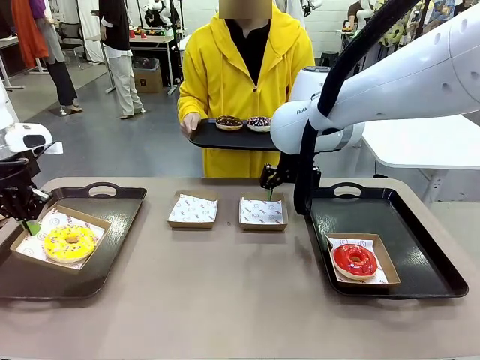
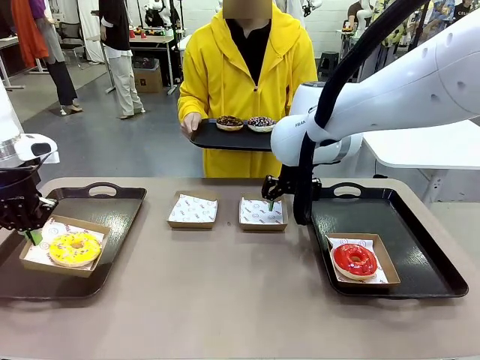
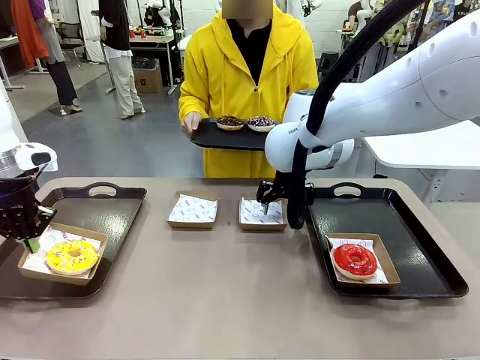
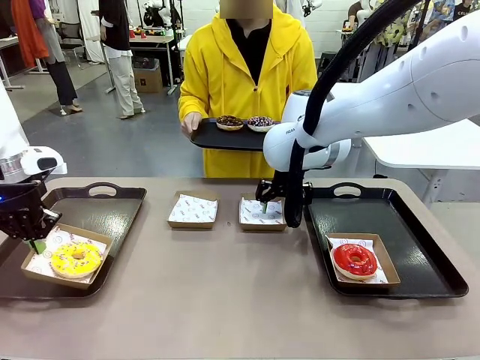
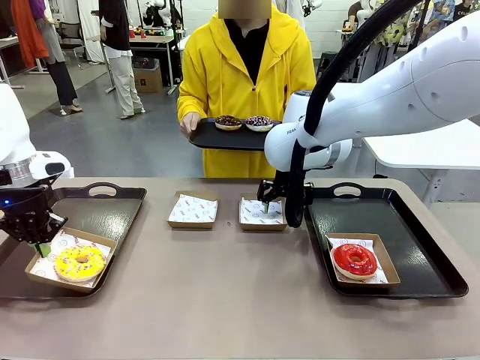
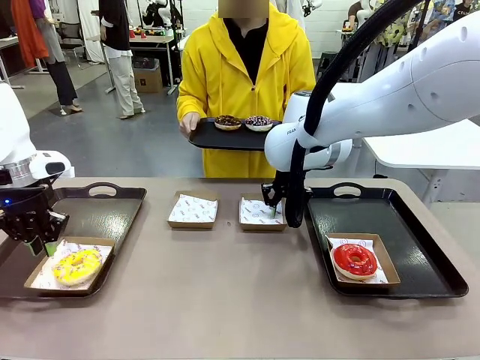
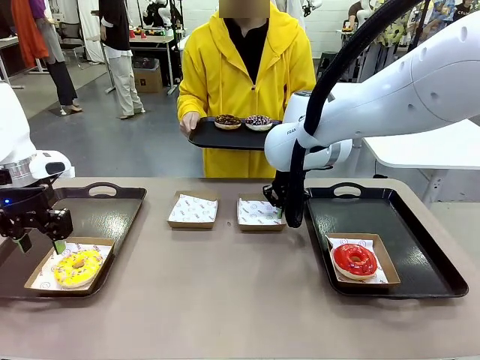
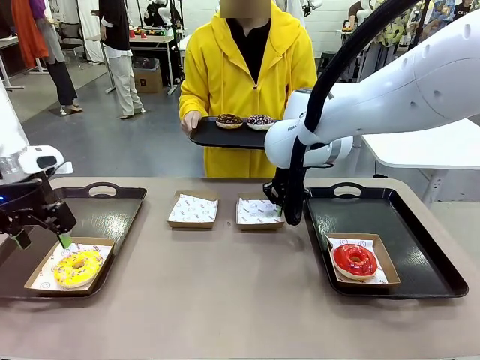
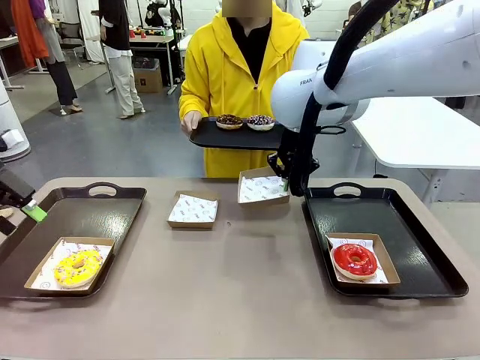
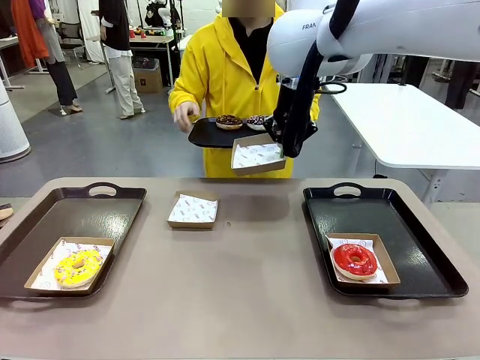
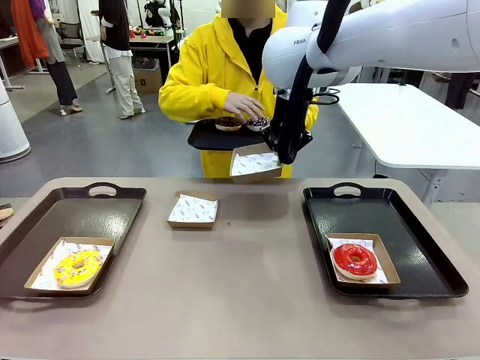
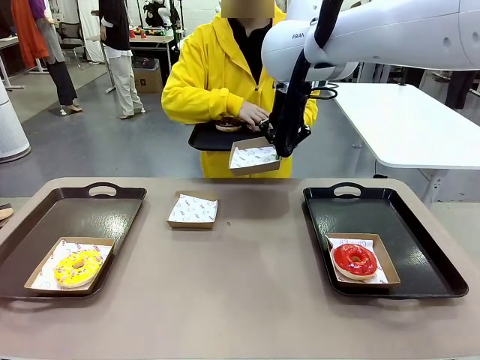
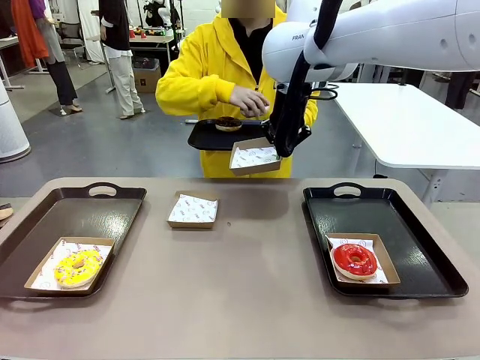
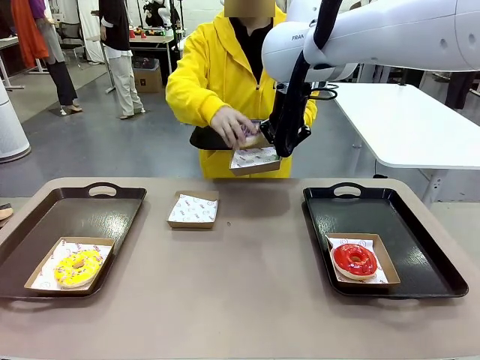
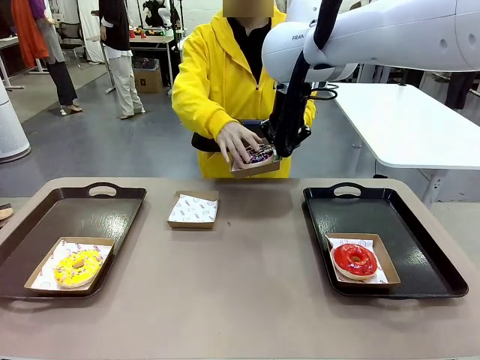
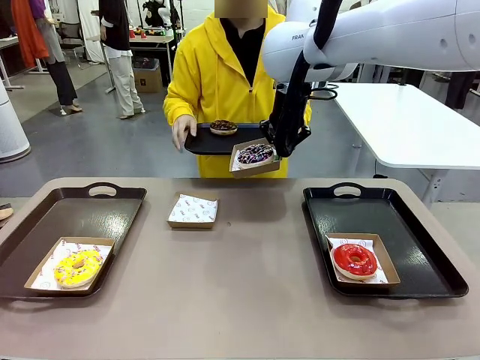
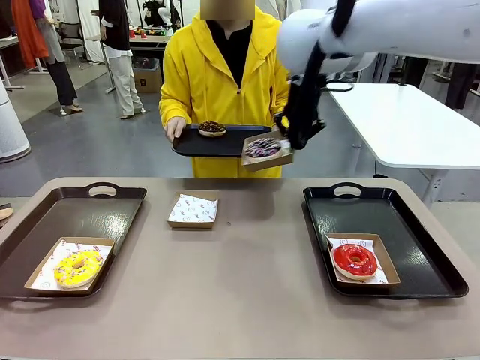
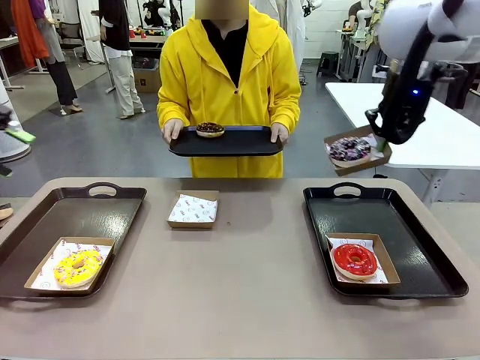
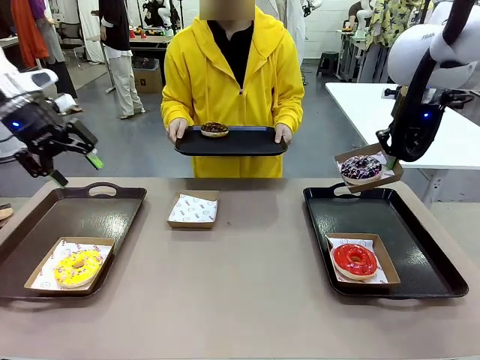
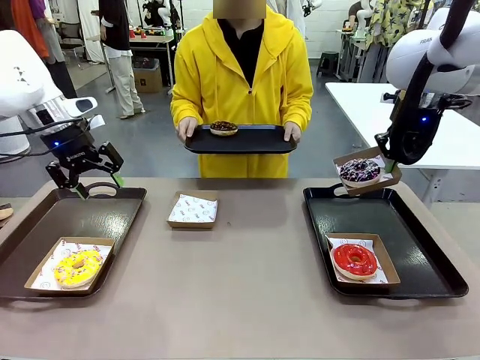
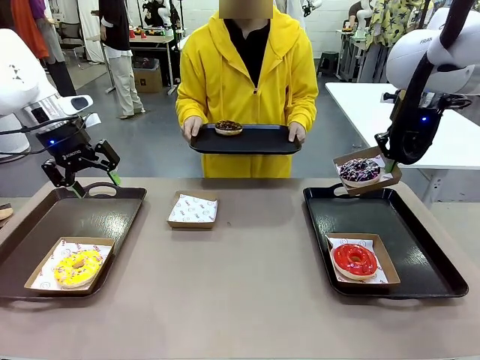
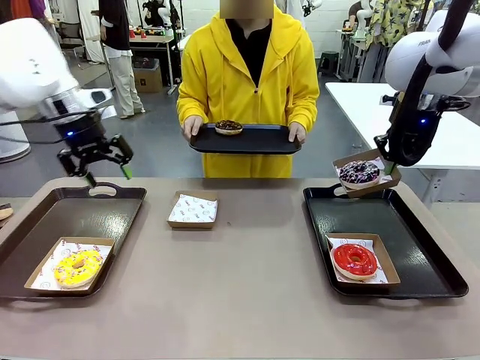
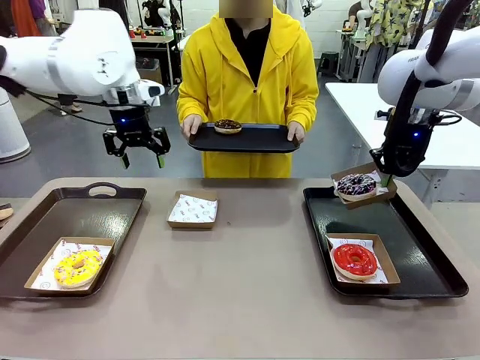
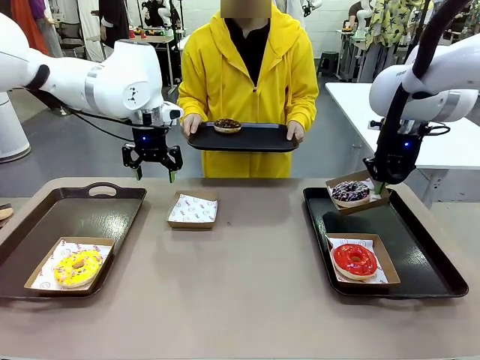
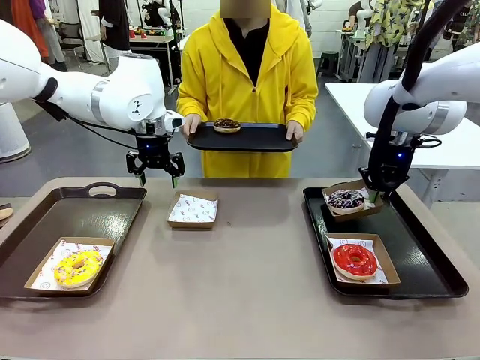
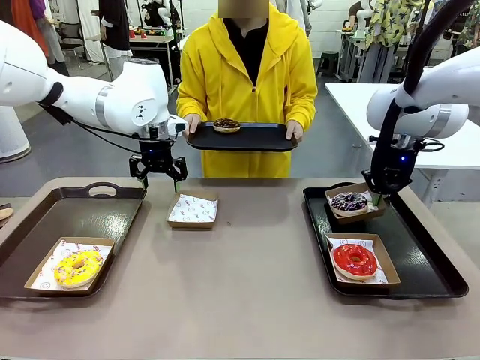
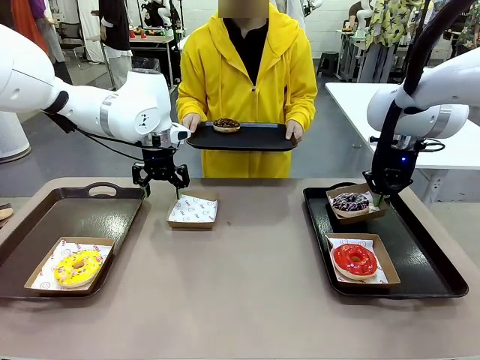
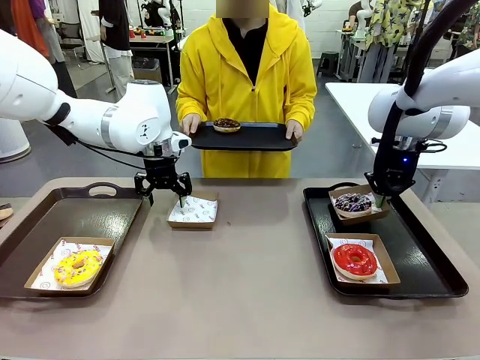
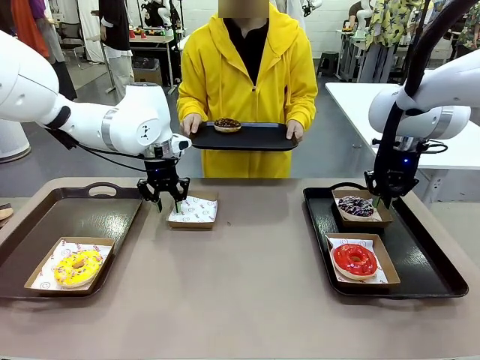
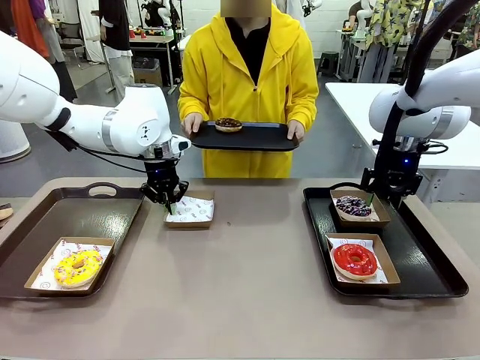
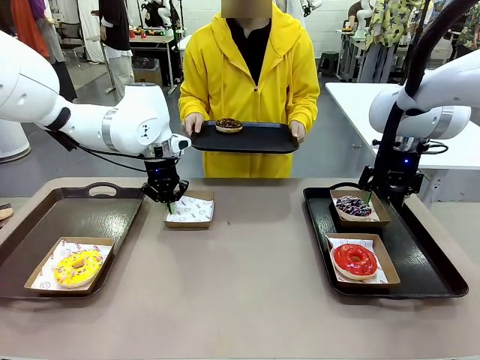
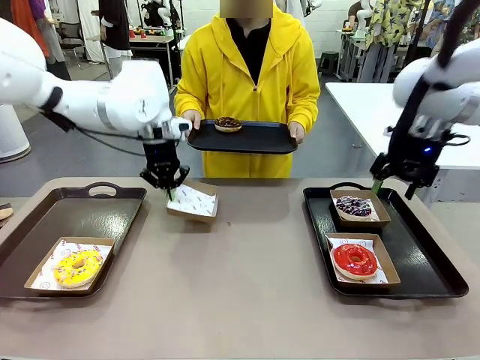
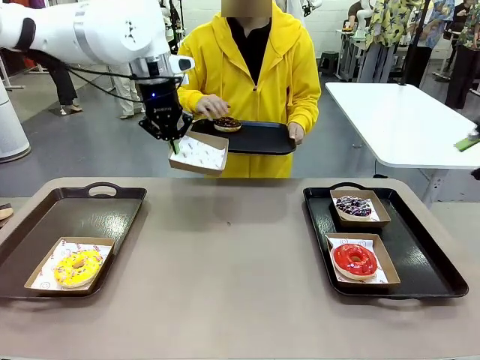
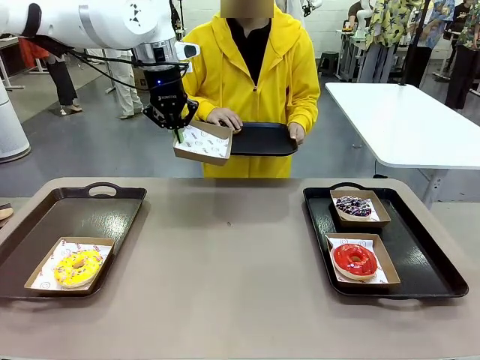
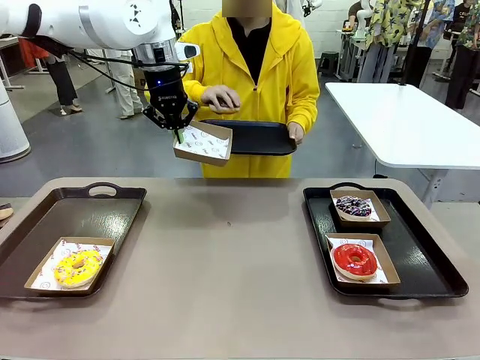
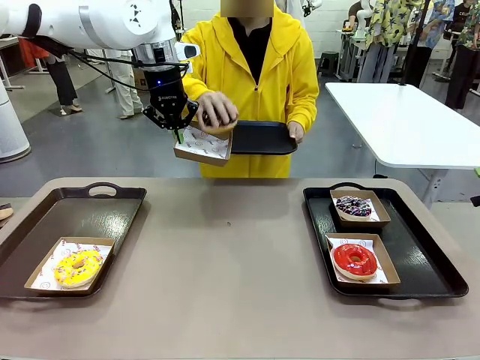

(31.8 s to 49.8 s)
Task: Individually package the donuts and arrange them on the tray.
Robot: Place the picked Paper togo box on the Handle tray while simultaneously picking up another Paper togo box from the table with the other hand.

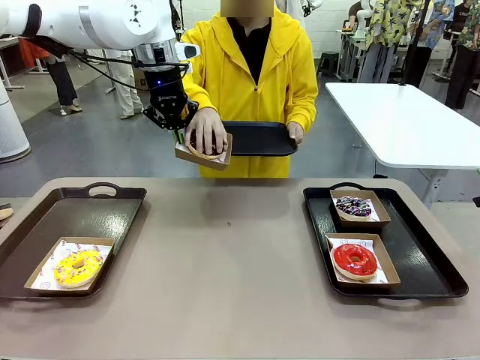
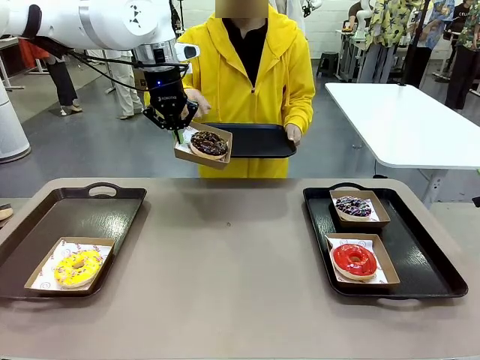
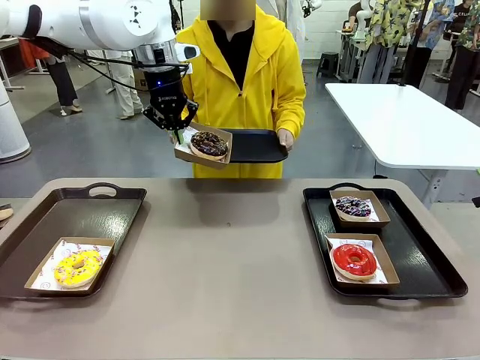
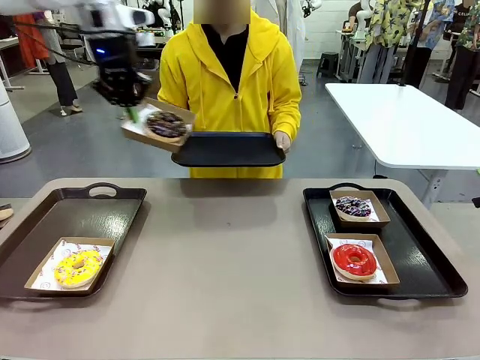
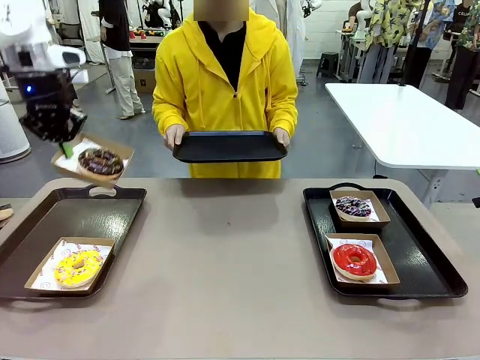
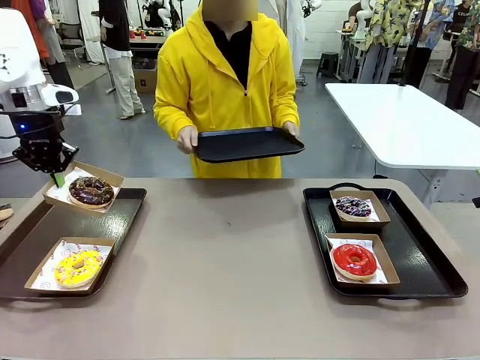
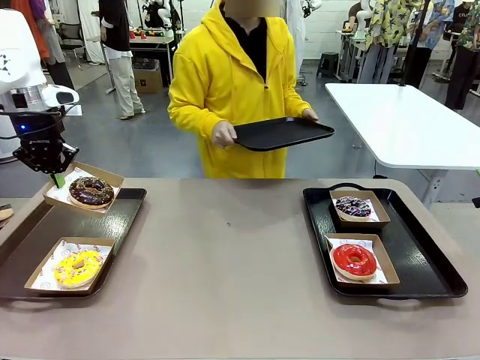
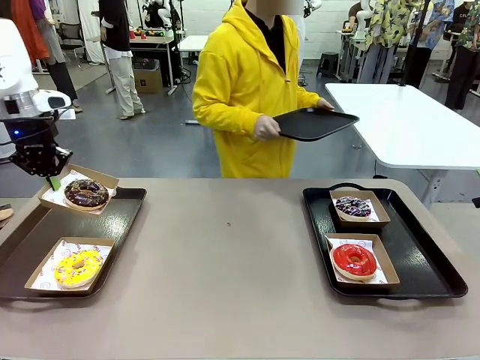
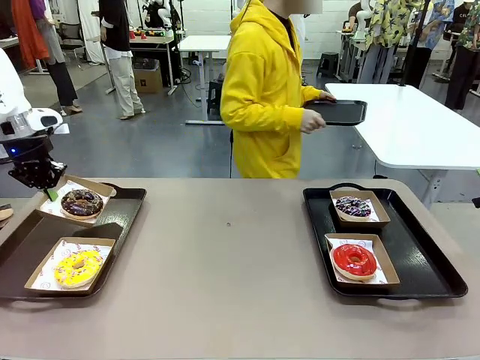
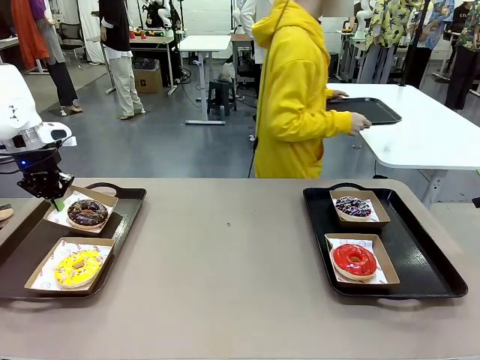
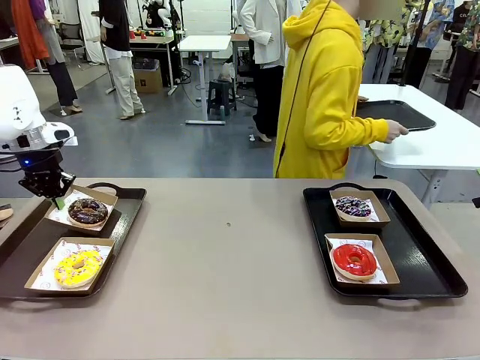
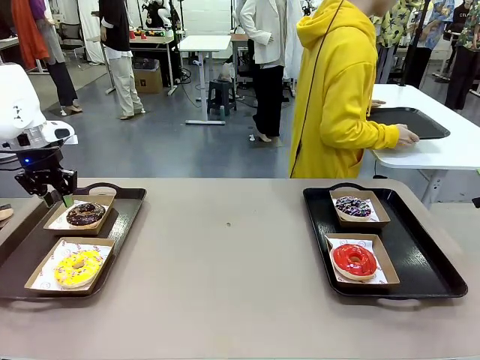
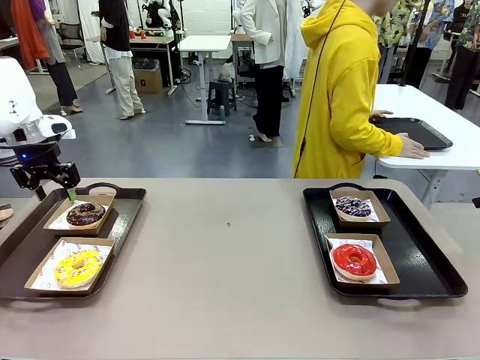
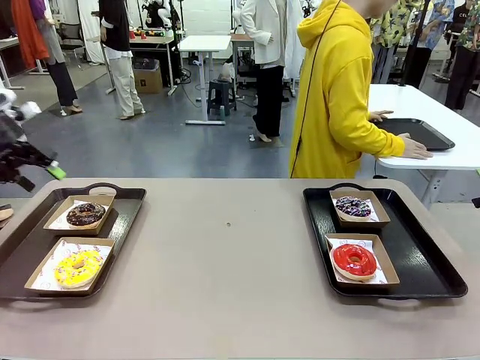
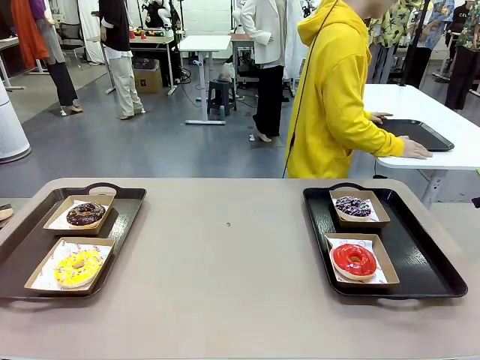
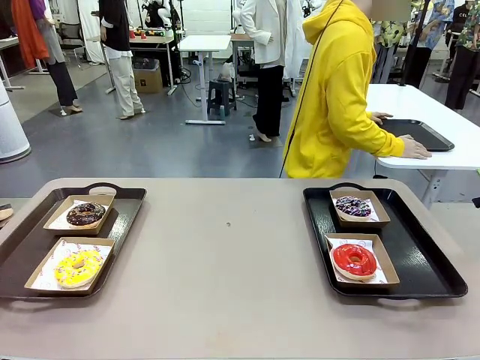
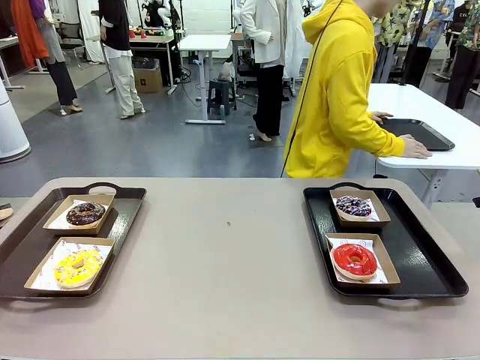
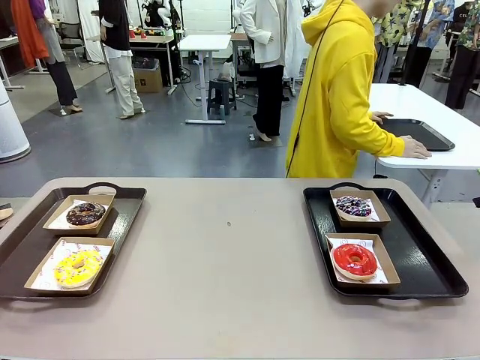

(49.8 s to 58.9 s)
Robot: Place the picked Paper togo box on the Handle tray.
Person: Place the tray down in the middle of the human table.
